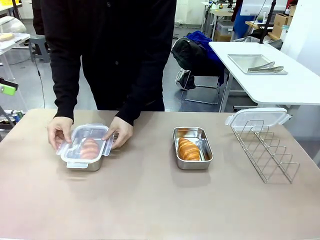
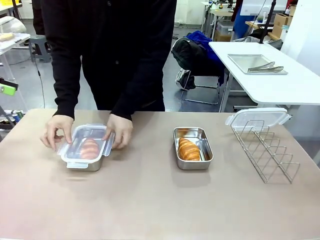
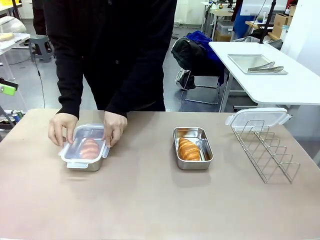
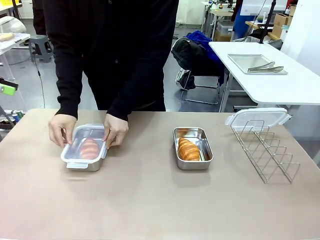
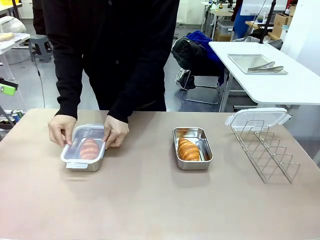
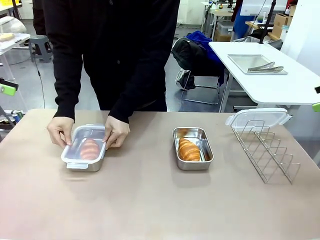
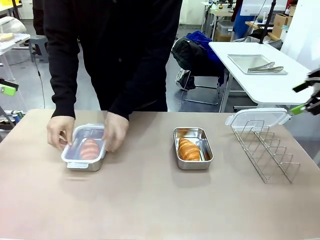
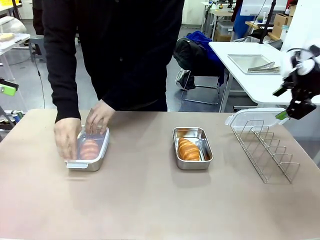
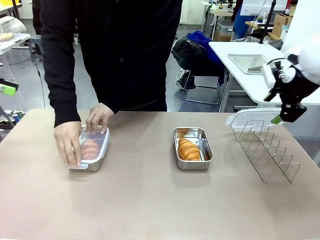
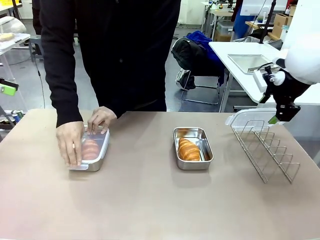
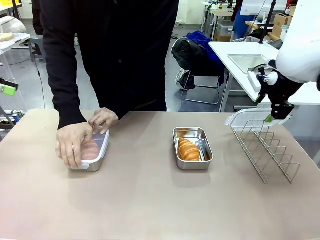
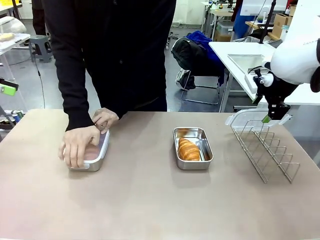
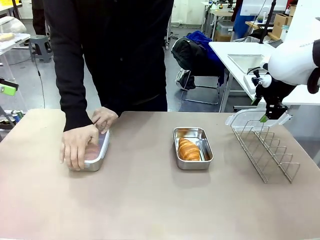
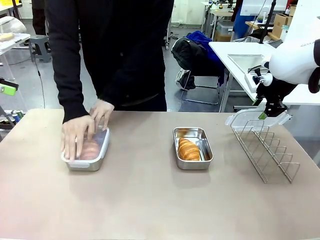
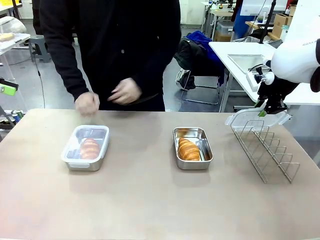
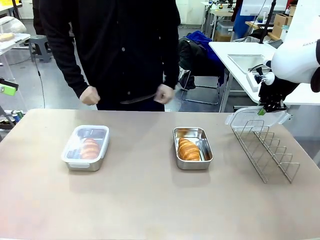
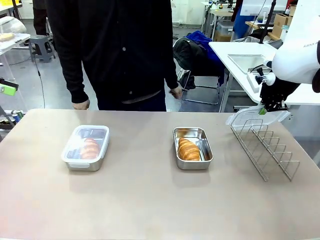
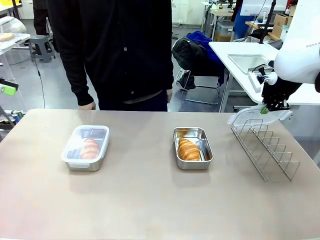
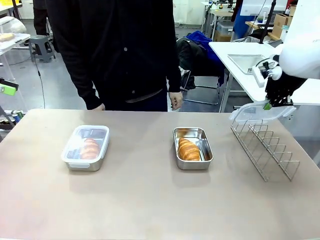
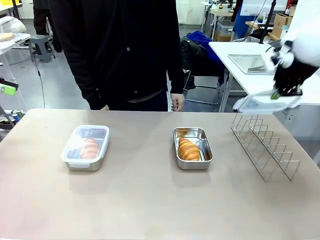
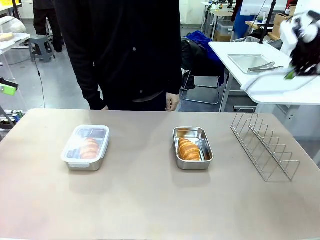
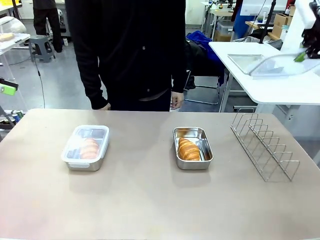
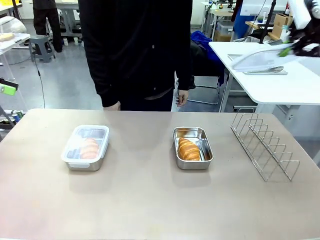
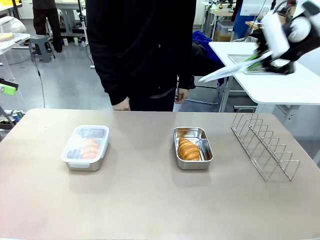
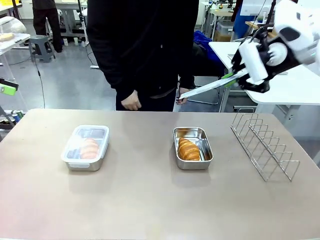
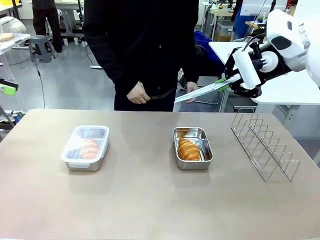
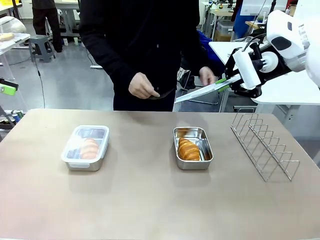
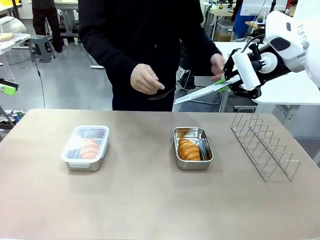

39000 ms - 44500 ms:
Task: Place the bread in airtight containers.
Robot: Pick up one Airtight Container lid and hand it to the human.
Person: Close Airtight Container with a handed Airtight Container lid. Grip Airtight Container lid that robot is handing.

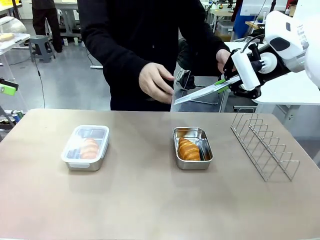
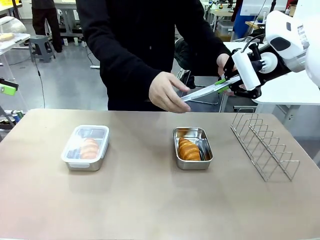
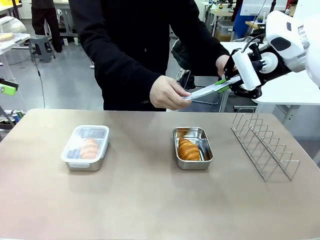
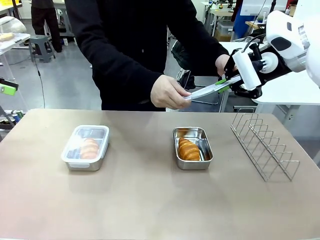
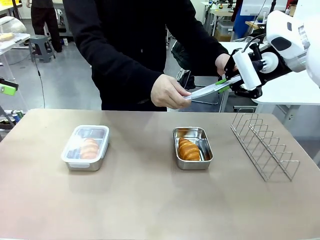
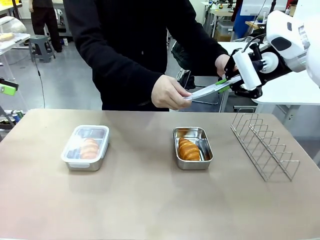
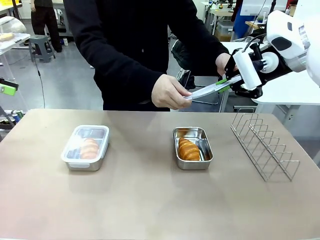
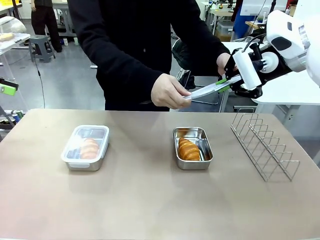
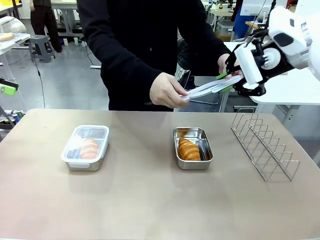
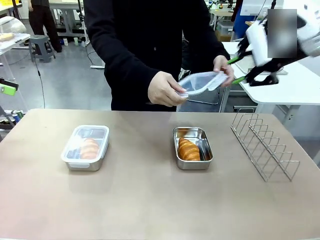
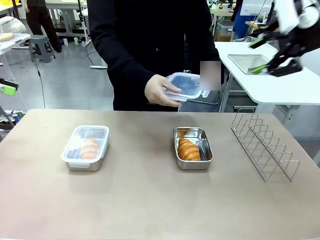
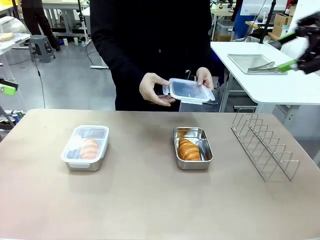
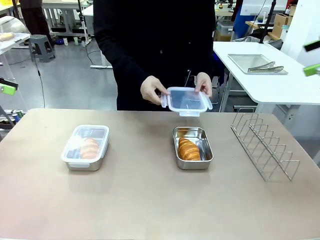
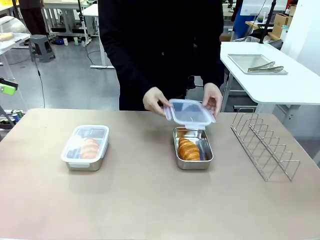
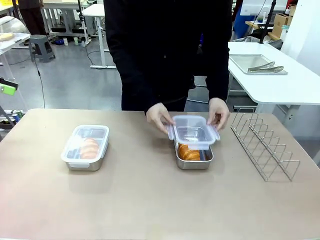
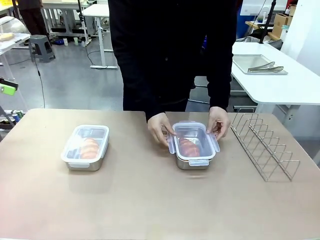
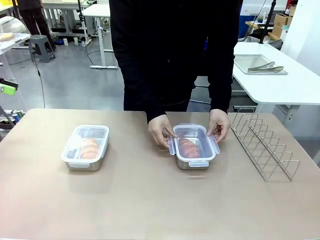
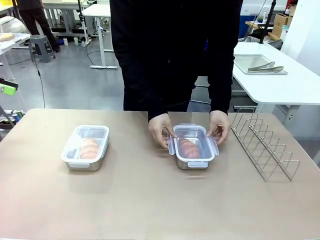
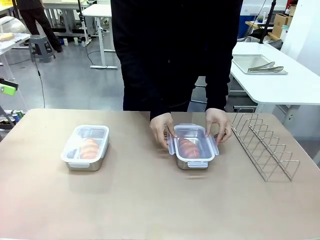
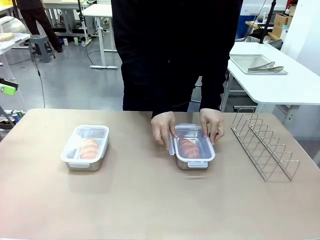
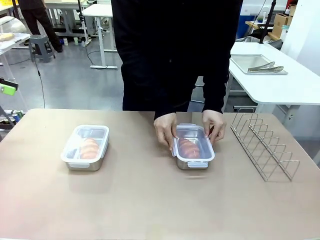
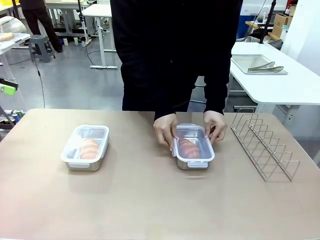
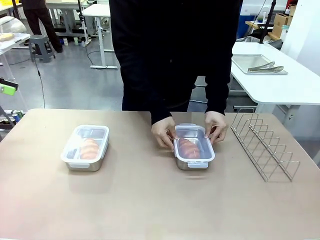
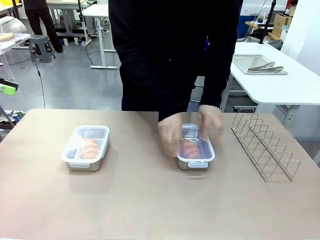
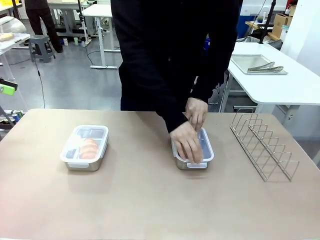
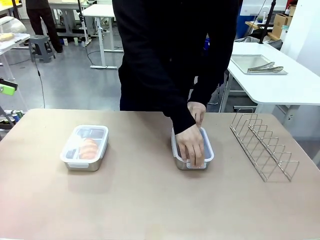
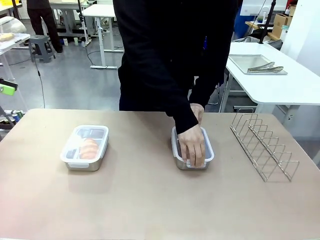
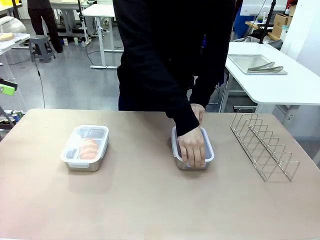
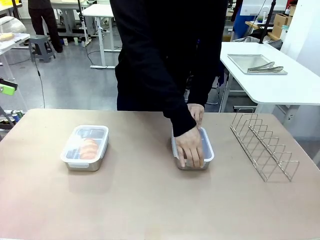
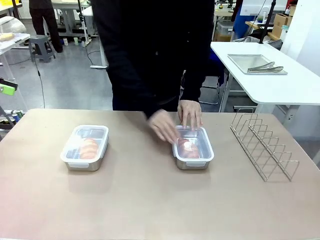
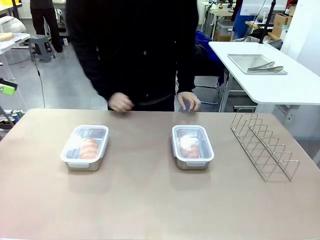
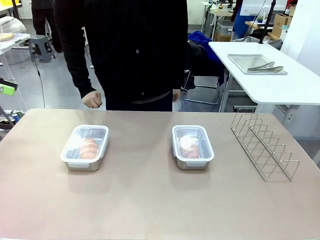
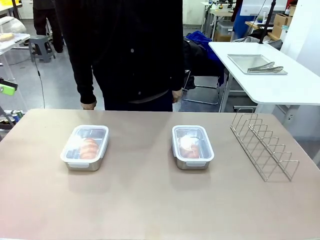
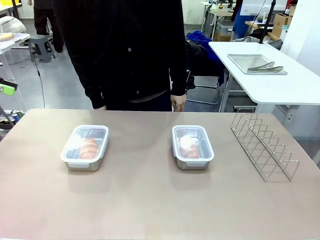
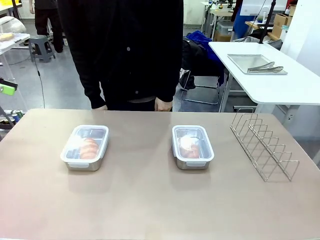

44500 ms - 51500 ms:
Robot: Release when the human grabs the Airtight Container lid.
Person: Close Airtight Container with a handed Airtight Container lid.

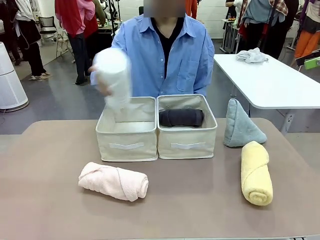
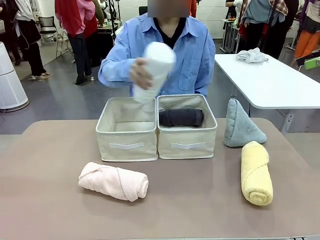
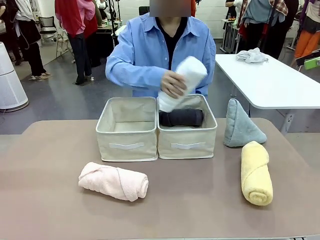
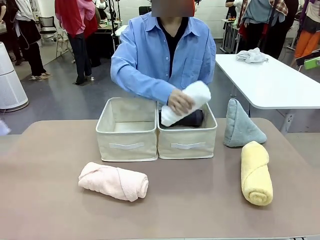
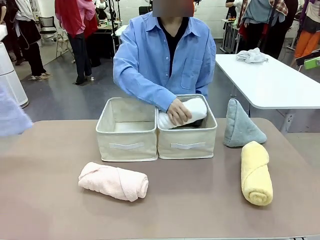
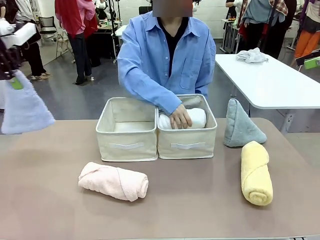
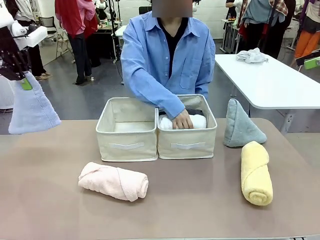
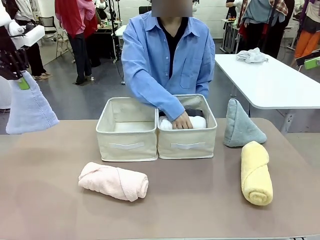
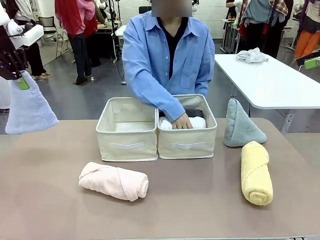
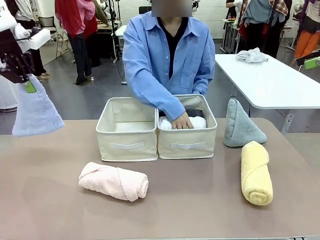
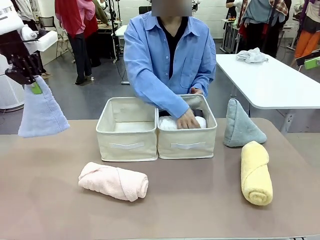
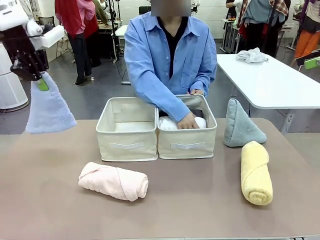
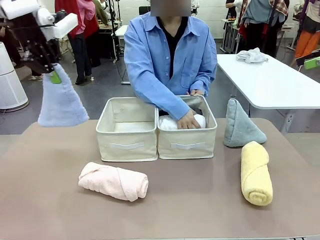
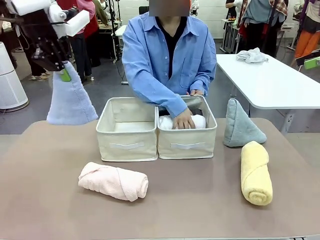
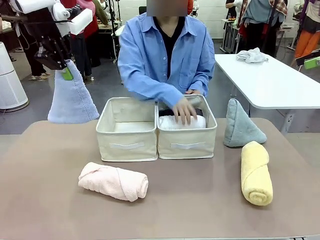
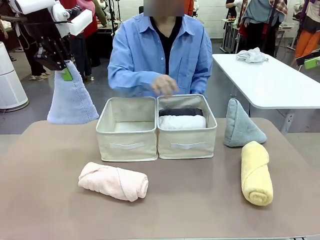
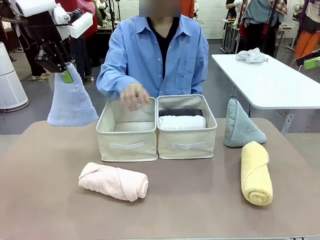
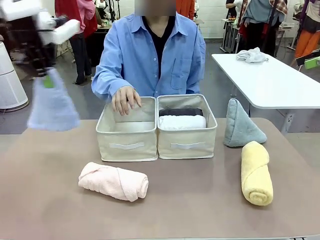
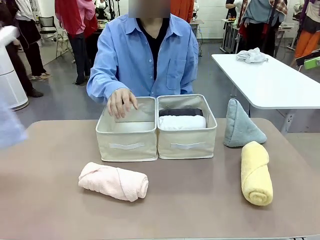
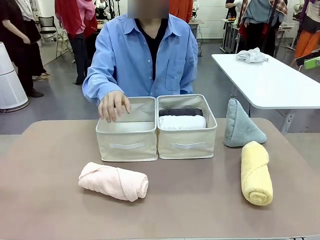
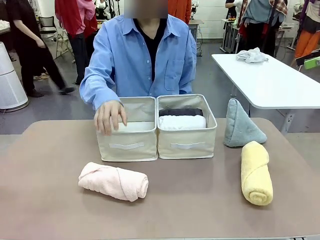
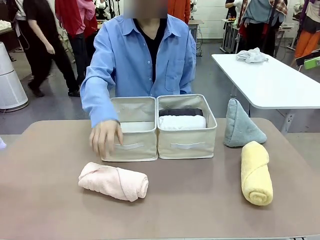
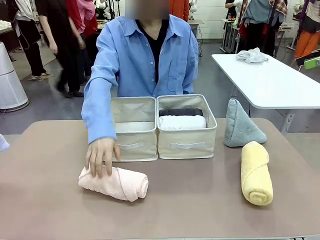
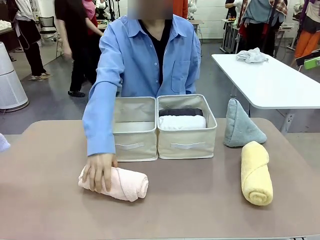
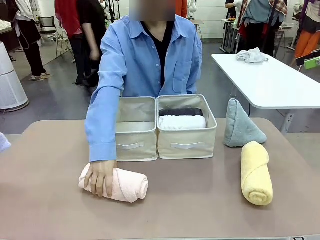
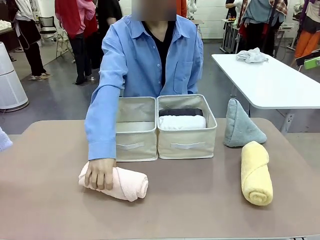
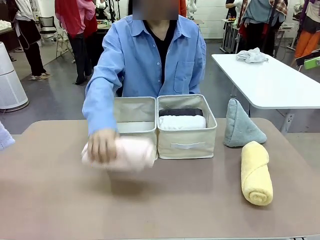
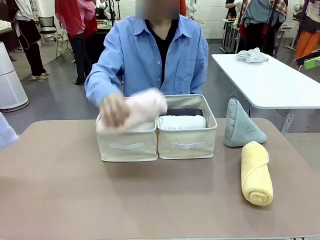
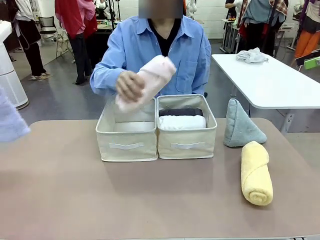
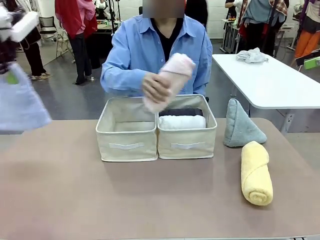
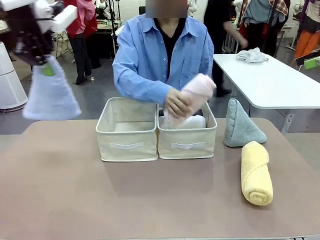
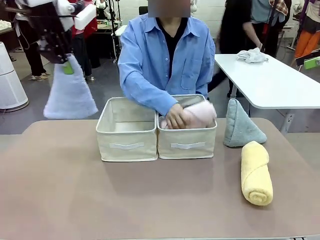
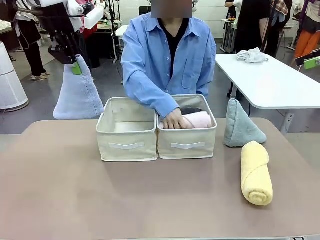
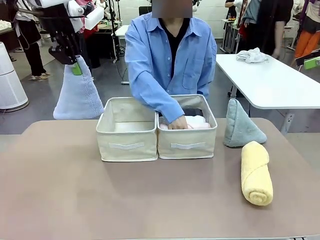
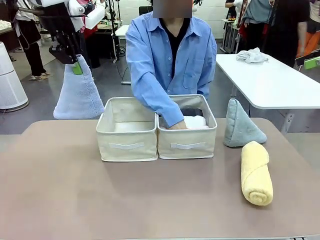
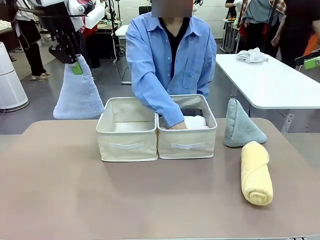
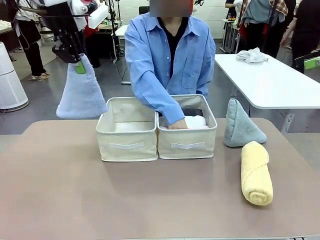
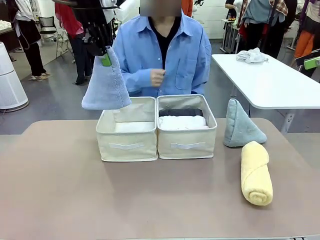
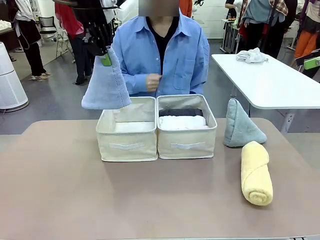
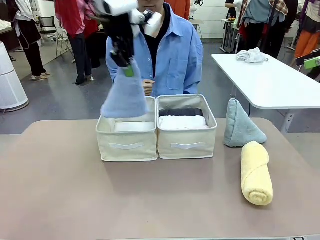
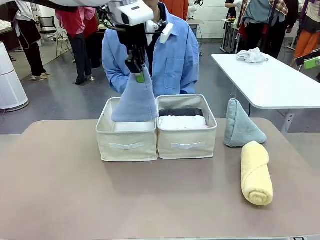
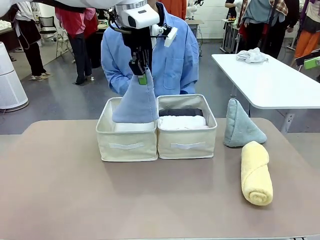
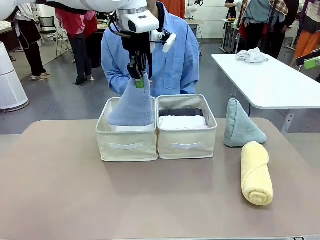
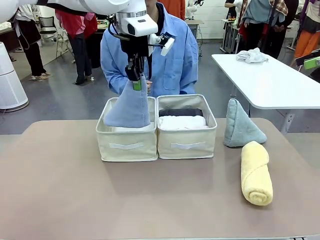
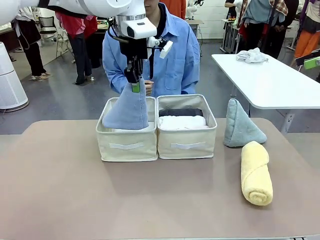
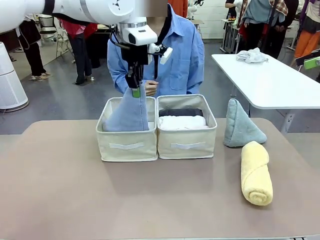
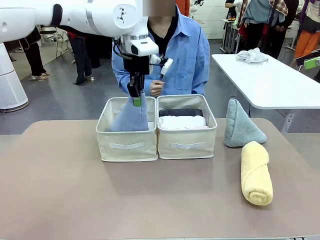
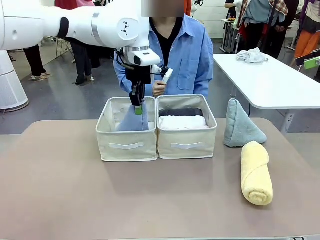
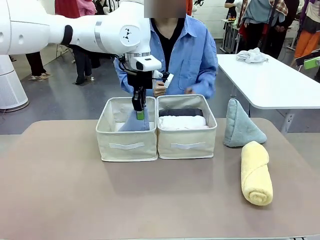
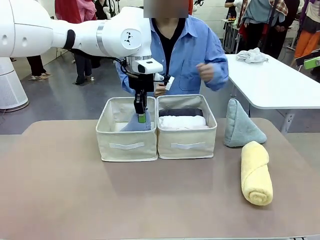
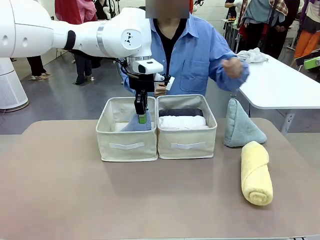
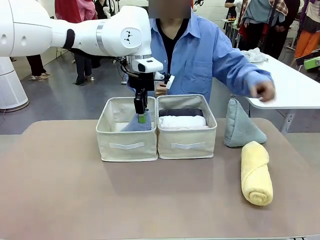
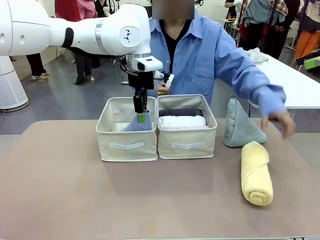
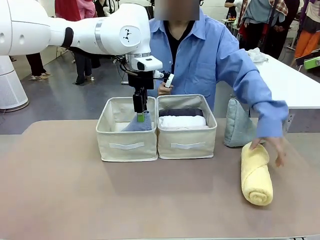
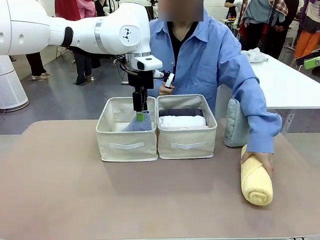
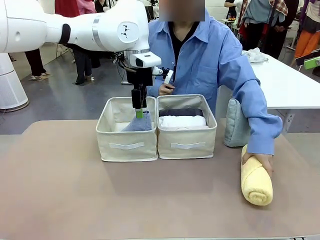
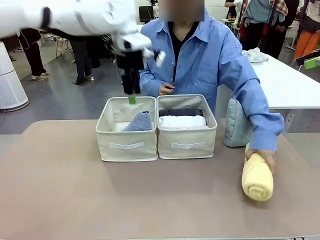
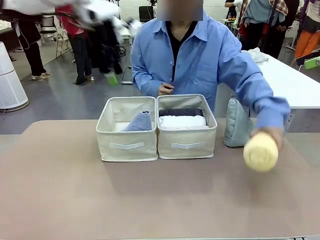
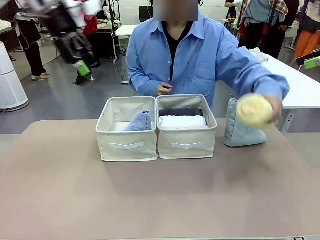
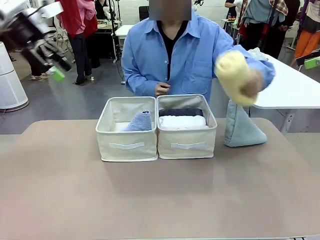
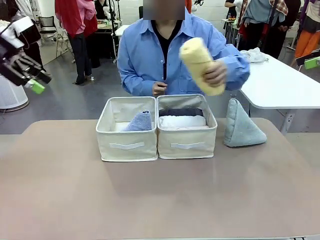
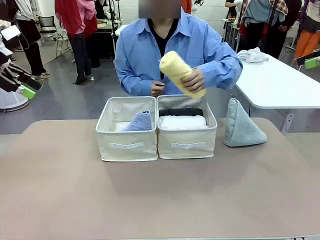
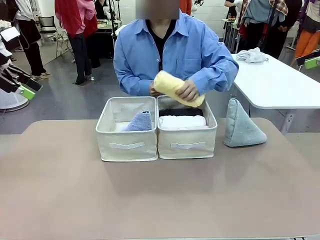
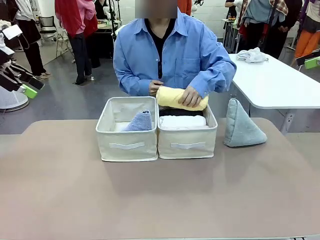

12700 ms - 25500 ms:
Task: Sort the towels based on their folding style.
Robot: Pick up one triangle-folded towel and place it in the left Fabric basket.
